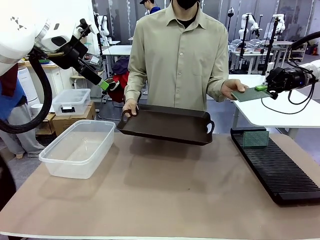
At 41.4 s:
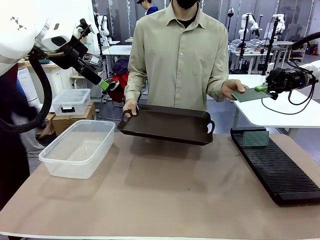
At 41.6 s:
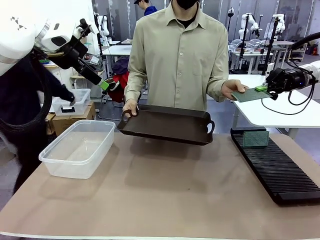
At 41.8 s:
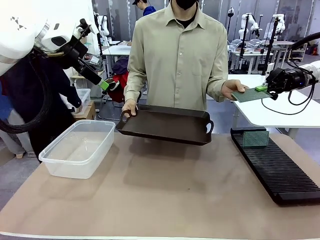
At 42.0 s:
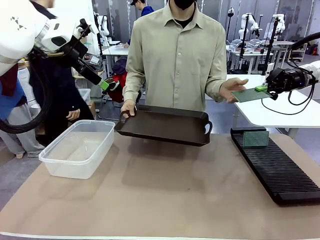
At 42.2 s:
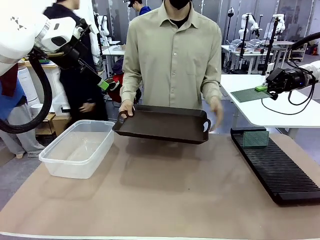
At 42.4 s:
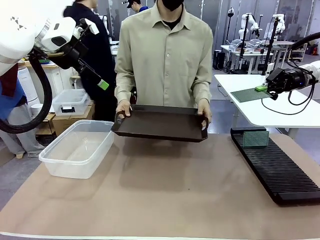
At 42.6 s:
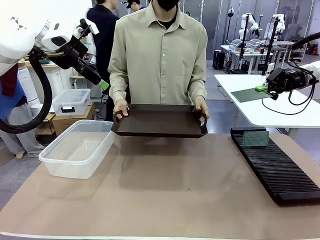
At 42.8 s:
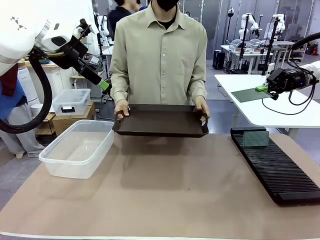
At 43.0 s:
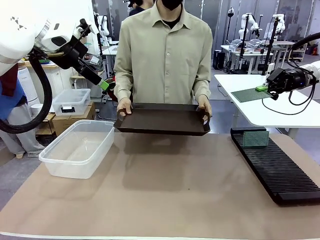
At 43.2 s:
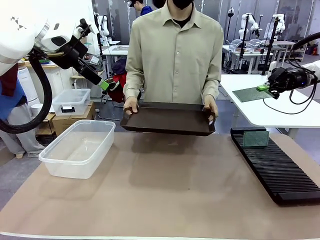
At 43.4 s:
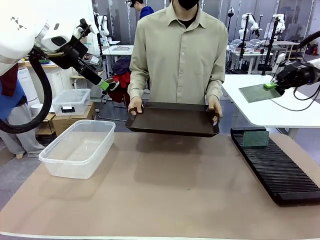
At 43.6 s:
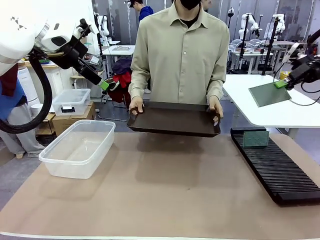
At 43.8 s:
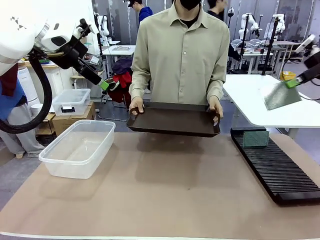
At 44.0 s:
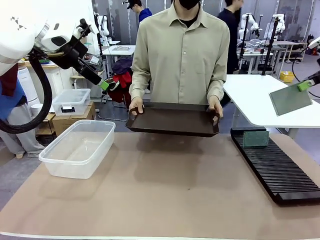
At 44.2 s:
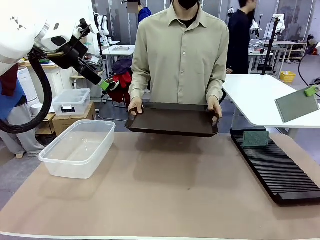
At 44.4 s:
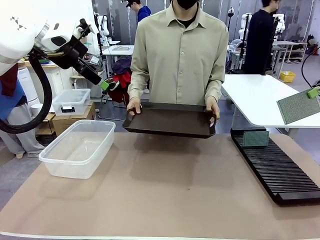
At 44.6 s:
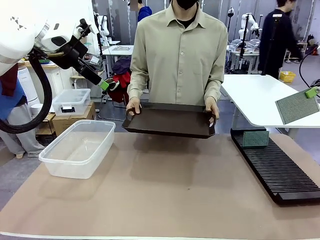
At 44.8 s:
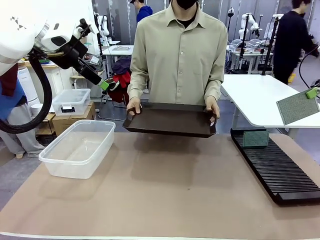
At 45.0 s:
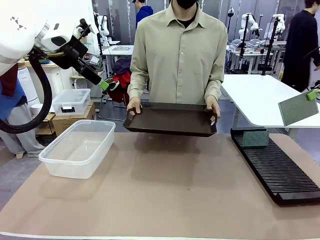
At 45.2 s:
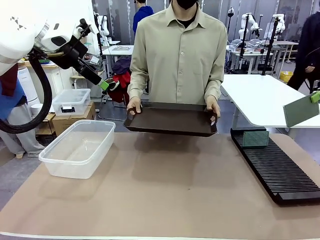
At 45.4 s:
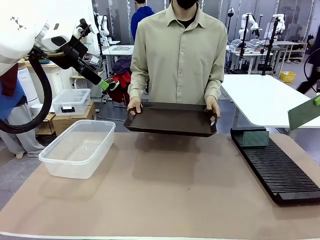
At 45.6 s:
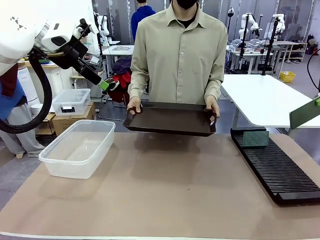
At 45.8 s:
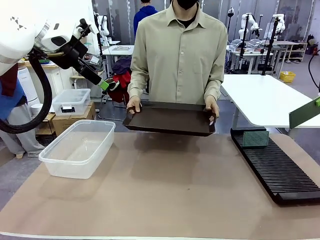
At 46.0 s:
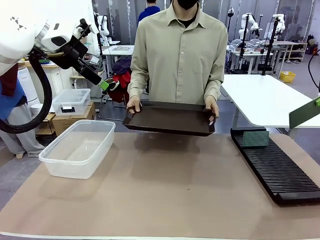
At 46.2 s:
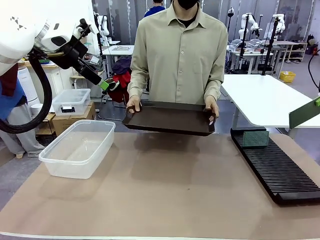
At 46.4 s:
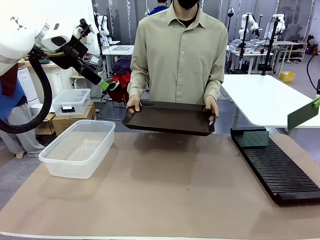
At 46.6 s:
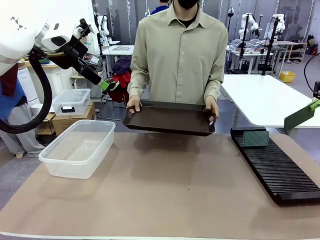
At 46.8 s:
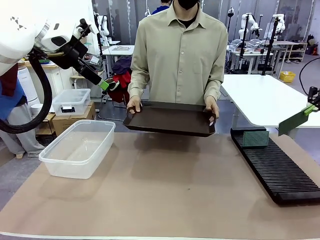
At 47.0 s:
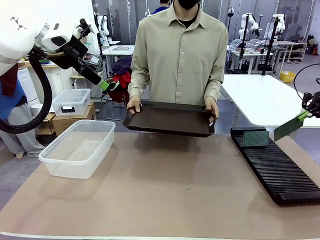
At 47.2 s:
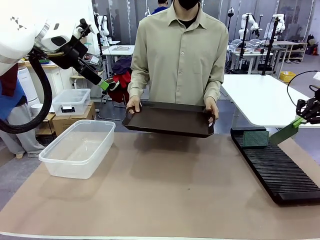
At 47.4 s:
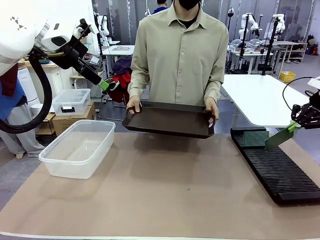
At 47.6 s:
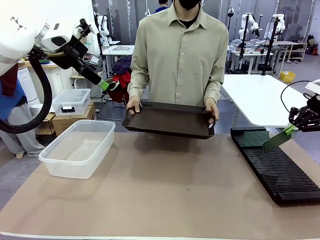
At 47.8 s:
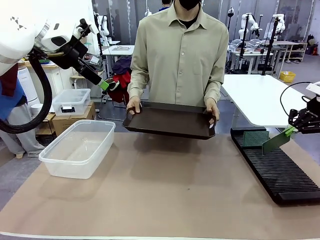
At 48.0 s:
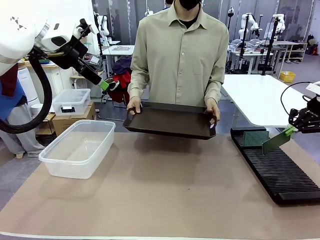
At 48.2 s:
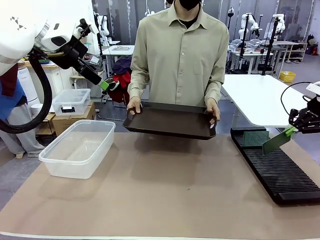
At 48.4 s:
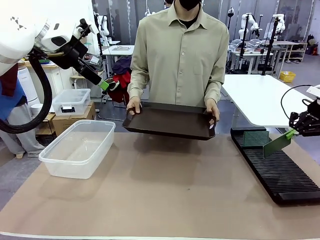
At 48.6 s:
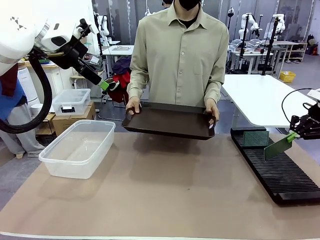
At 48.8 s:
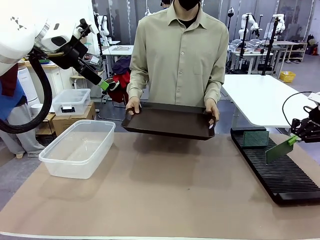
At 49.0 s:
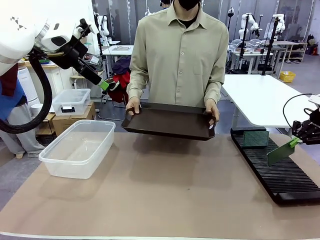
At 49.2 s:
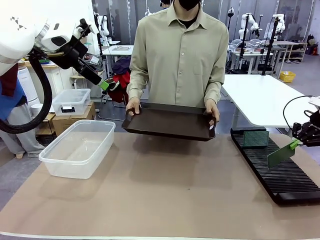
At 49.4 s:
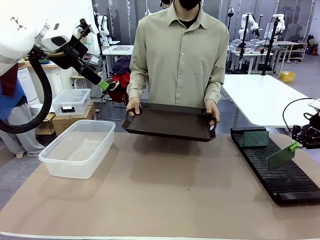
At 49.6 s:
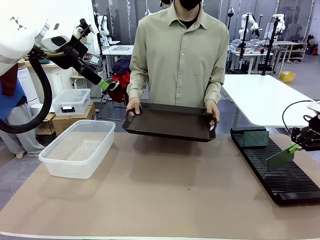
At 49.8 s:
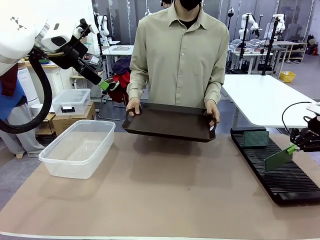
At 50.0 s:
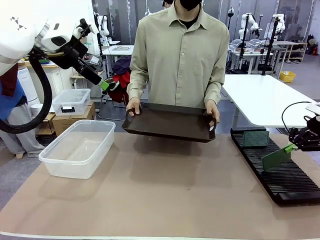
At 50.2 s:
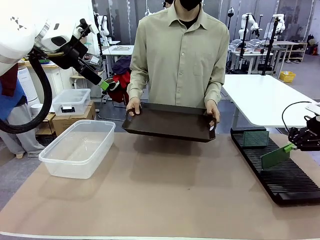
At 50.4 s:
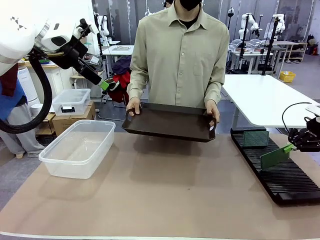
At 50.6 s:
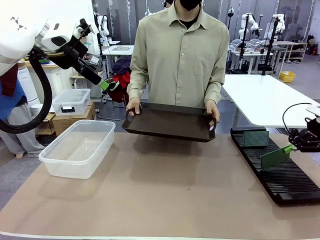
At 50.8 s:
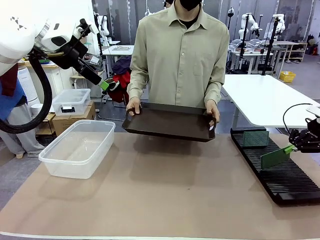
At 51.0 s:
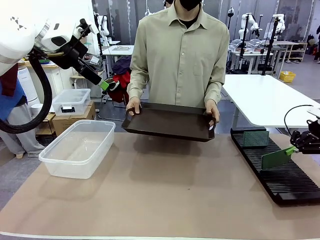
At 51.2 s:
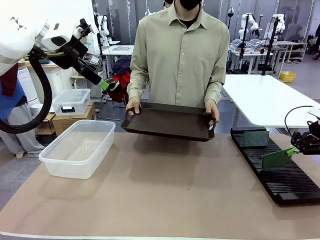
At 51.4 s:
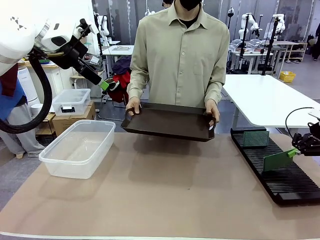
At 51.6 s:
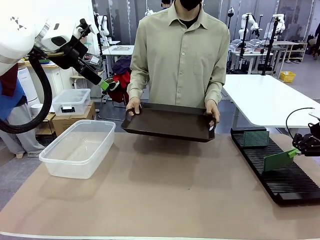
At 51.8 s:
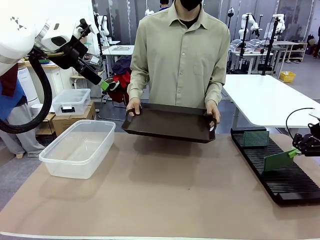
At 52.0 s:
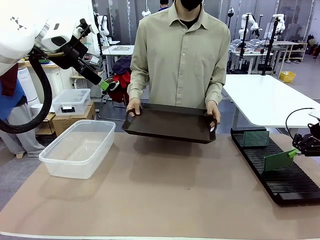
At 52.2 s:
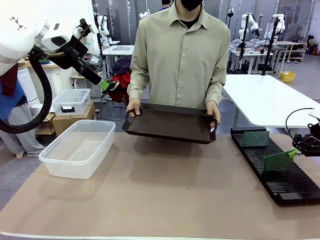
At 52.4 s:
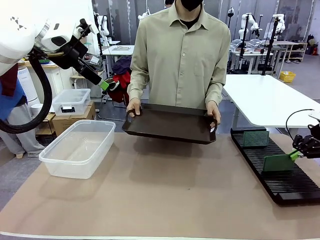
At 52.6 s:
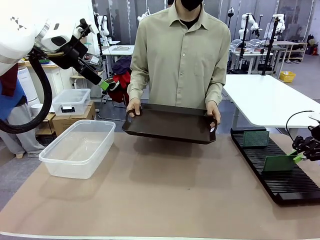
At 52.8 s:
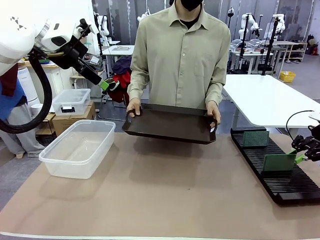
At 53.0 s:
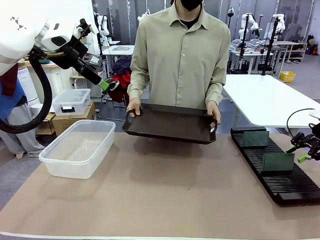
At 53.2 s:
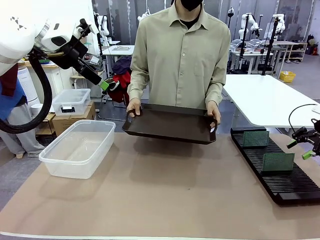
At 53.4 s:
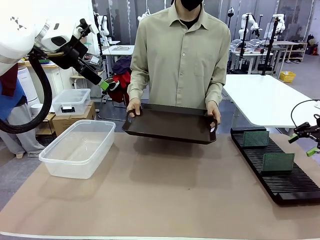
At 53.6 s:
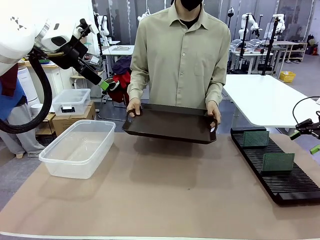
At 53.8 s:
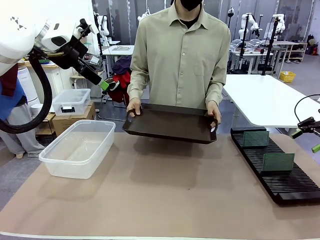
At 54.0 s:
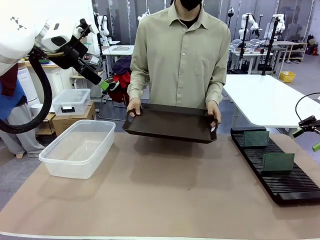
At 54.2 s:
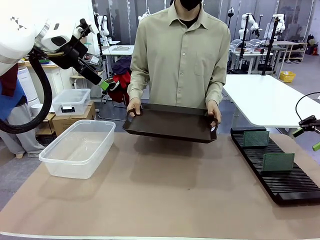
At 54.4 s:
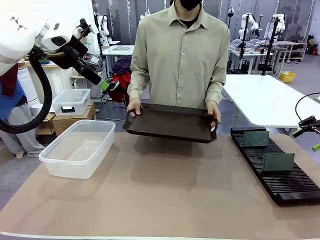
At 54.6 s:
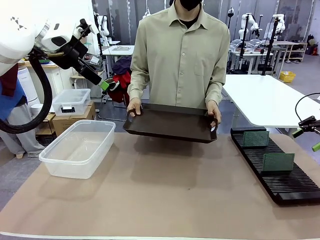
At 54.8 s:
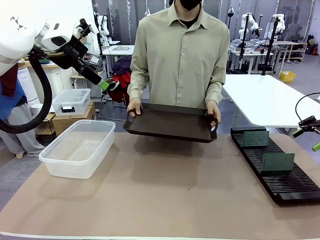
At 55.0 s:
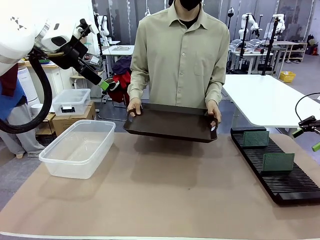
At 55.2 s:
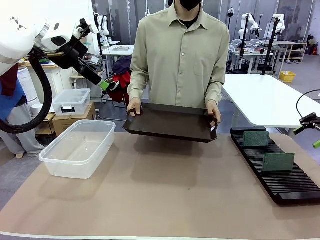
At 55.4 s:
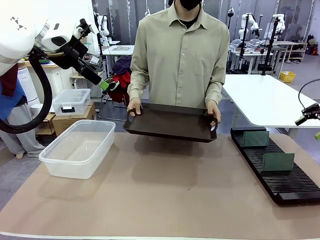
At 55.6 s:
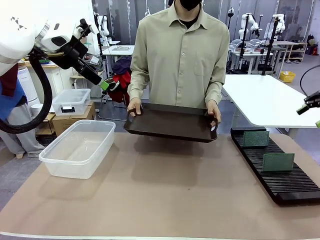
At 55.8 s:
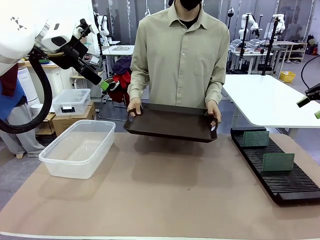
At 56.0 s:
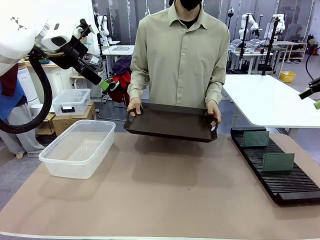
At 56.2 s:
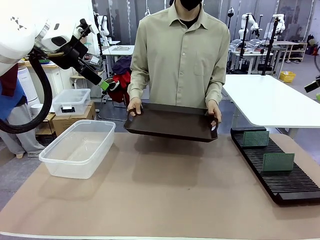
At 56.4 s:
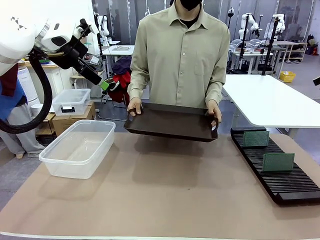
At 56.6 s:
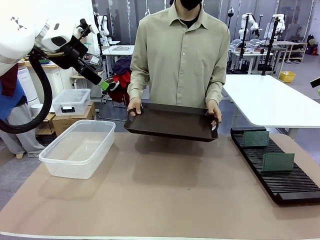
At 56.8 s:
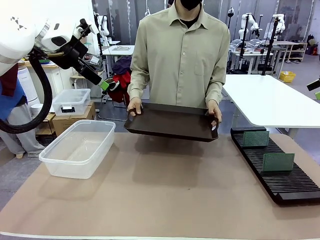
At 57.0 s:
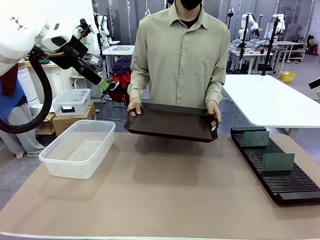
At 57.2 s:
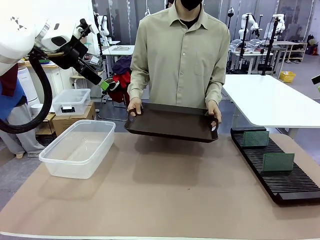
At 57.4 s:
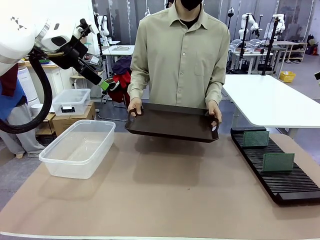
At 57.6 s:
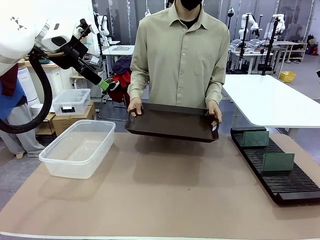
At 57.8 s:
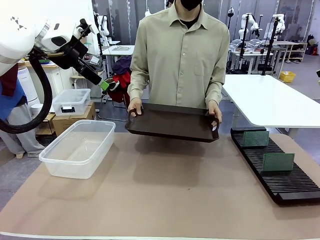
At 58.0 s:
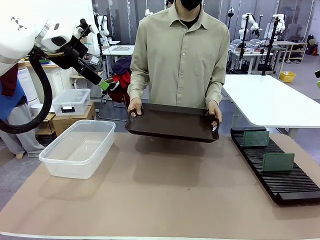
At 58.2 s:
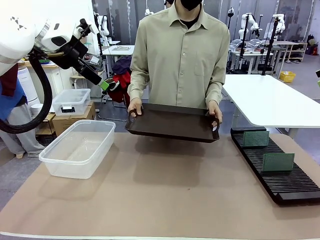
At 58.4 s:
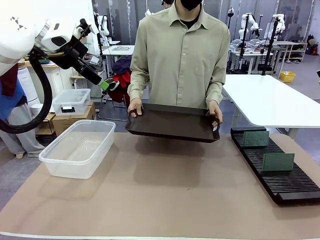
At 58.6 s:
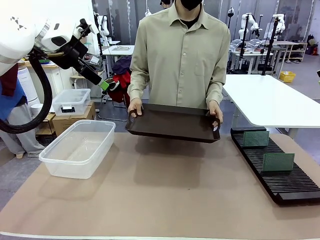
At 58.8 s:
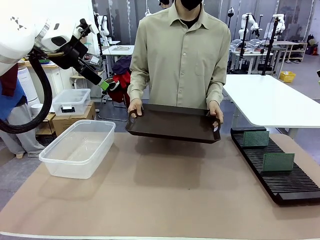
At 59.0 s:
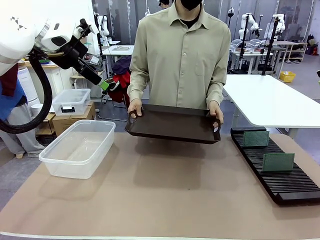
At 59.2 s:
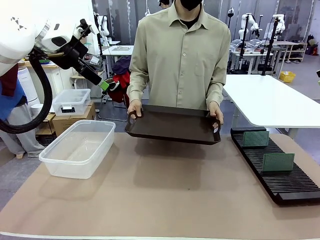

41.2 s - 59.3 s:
Task: Sort PCBs into racks and boxes based on the side picked up.
Robot: If the short side of the Blank PCB is picked up, insert it into the PCB Rack ; if the long side is picked up, place it in the Organizing box.
Person: Release the PCB being held.
